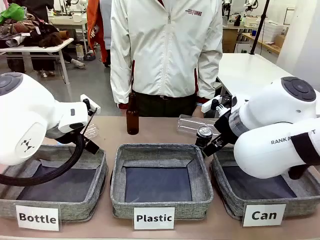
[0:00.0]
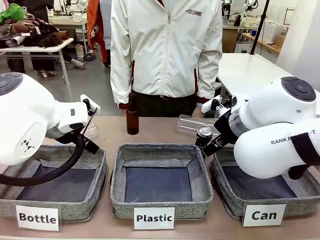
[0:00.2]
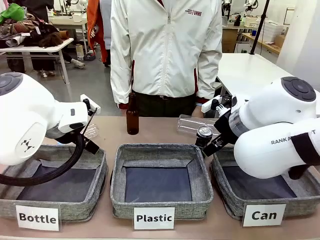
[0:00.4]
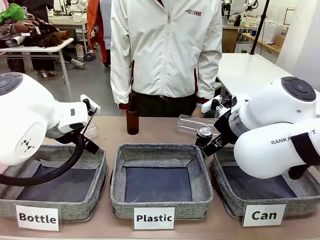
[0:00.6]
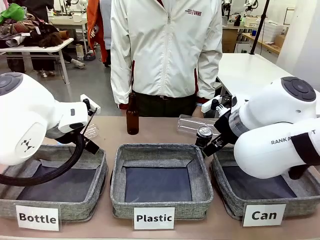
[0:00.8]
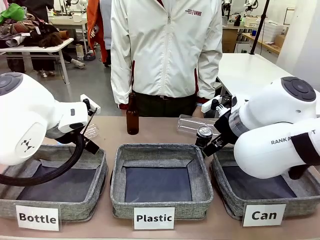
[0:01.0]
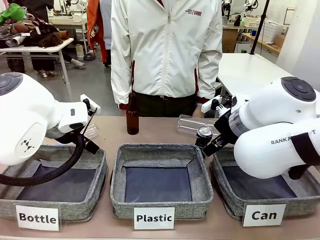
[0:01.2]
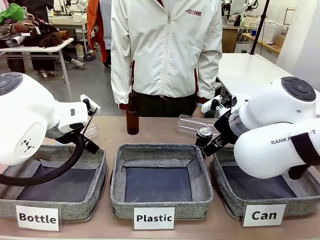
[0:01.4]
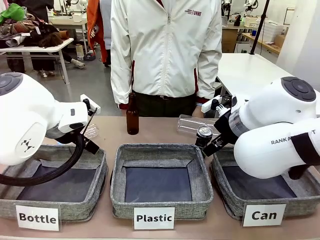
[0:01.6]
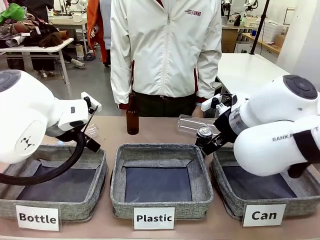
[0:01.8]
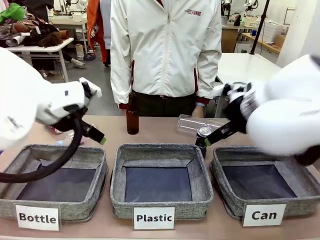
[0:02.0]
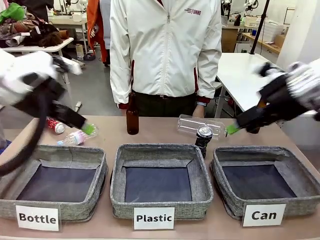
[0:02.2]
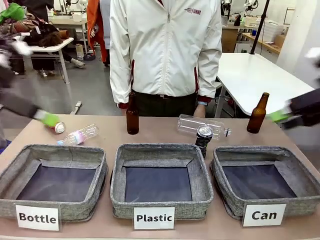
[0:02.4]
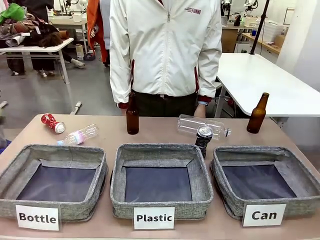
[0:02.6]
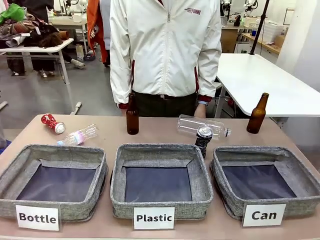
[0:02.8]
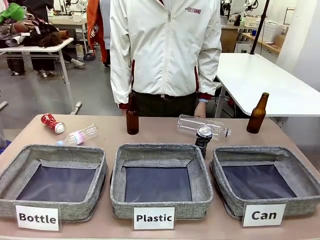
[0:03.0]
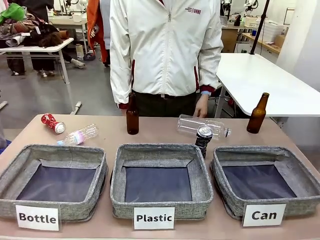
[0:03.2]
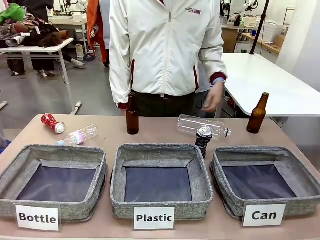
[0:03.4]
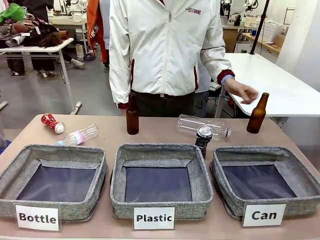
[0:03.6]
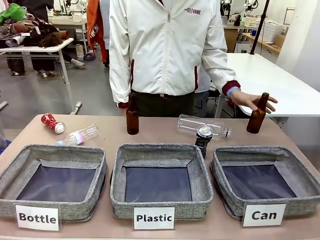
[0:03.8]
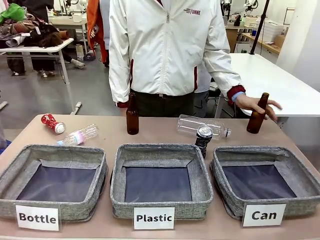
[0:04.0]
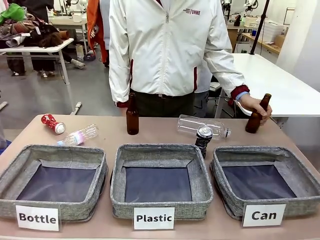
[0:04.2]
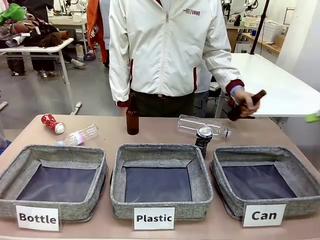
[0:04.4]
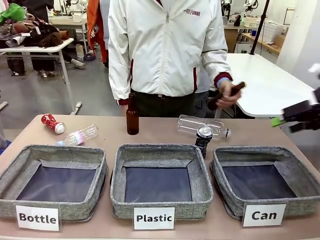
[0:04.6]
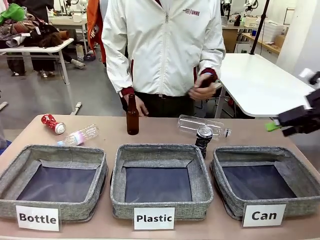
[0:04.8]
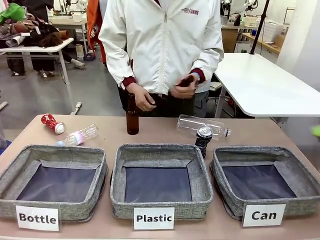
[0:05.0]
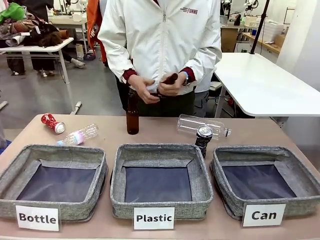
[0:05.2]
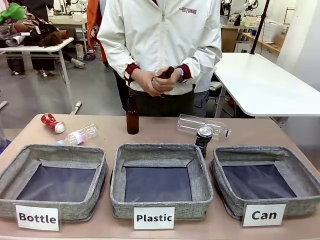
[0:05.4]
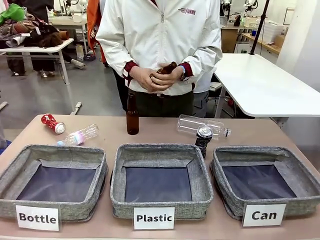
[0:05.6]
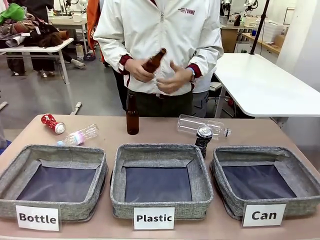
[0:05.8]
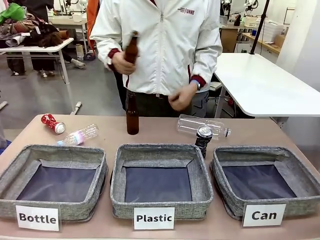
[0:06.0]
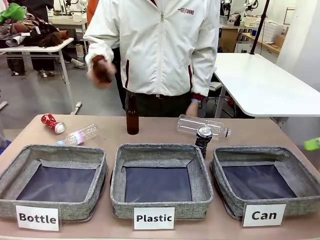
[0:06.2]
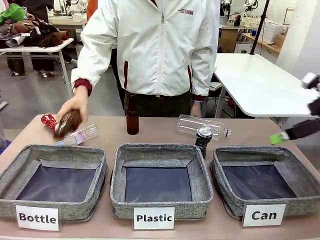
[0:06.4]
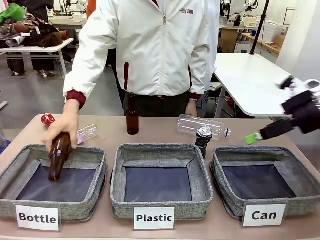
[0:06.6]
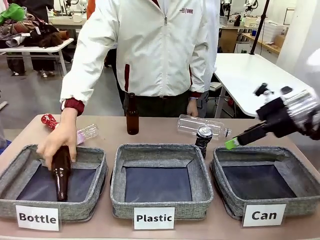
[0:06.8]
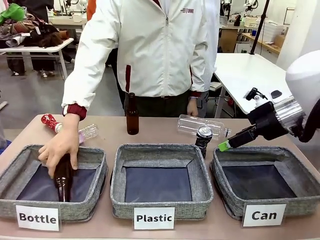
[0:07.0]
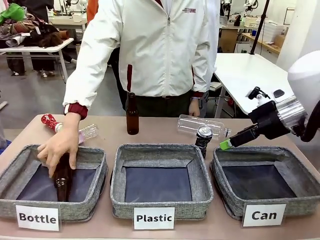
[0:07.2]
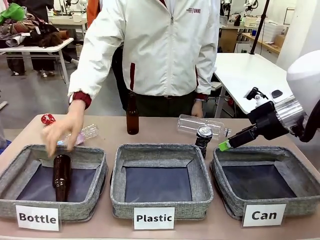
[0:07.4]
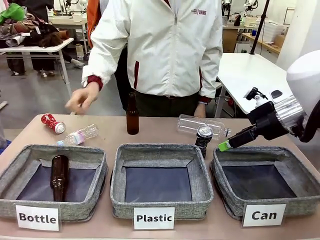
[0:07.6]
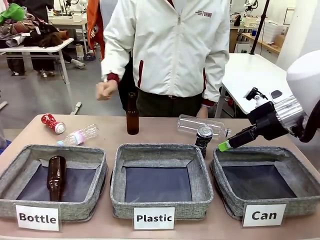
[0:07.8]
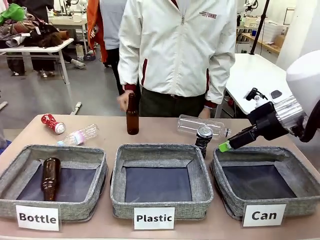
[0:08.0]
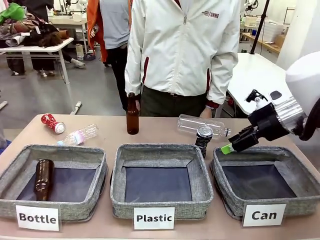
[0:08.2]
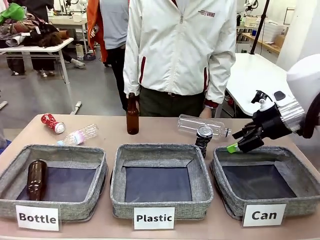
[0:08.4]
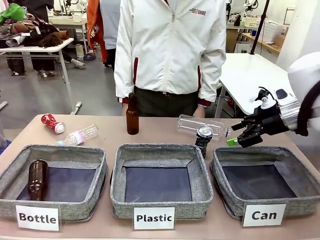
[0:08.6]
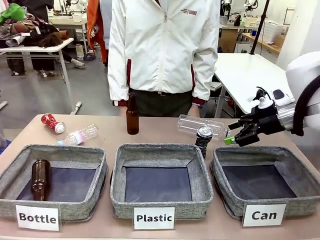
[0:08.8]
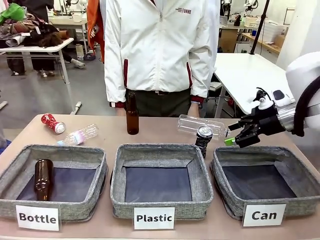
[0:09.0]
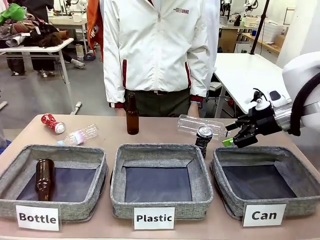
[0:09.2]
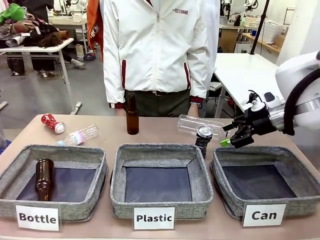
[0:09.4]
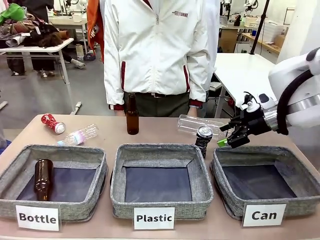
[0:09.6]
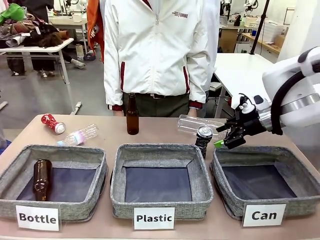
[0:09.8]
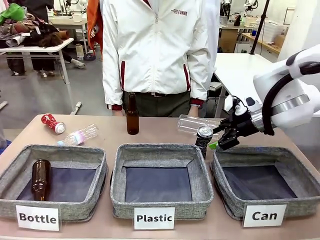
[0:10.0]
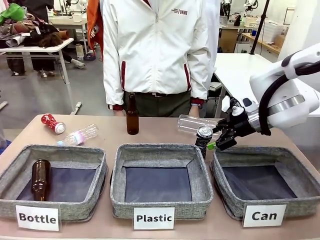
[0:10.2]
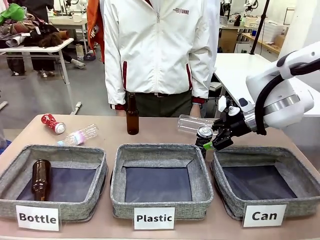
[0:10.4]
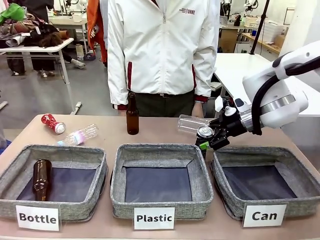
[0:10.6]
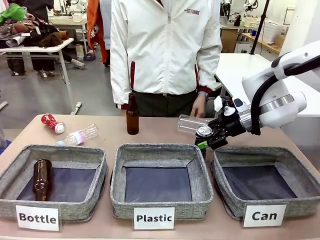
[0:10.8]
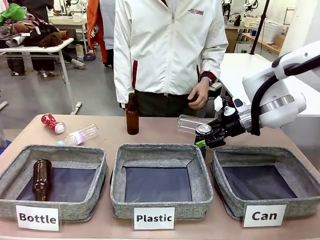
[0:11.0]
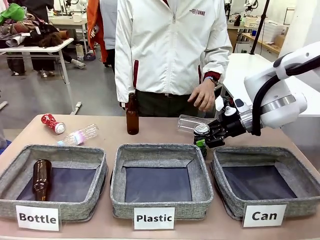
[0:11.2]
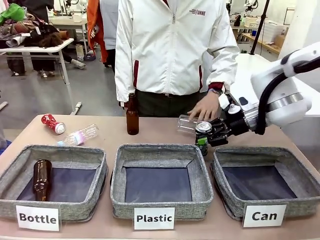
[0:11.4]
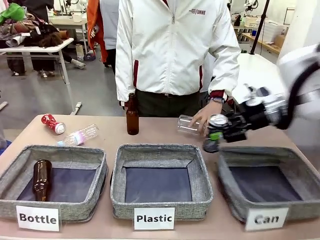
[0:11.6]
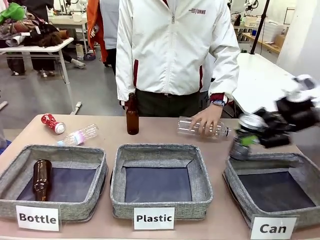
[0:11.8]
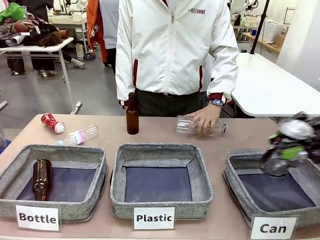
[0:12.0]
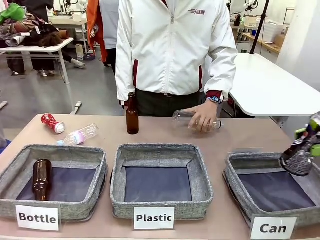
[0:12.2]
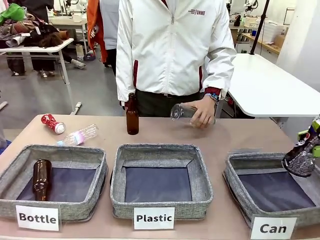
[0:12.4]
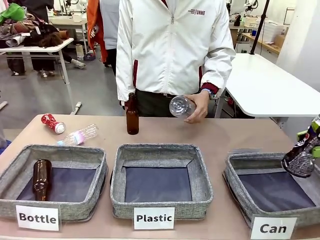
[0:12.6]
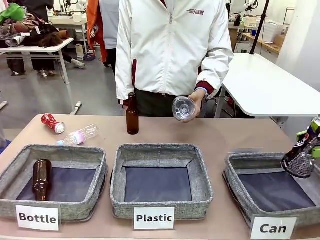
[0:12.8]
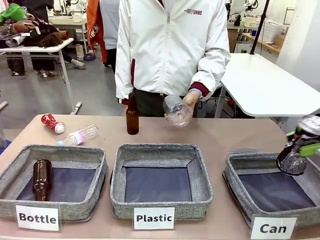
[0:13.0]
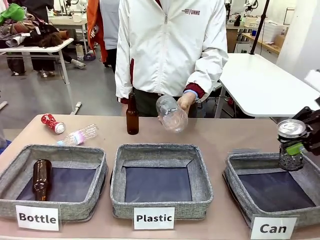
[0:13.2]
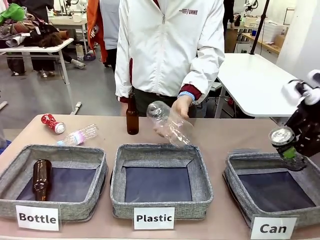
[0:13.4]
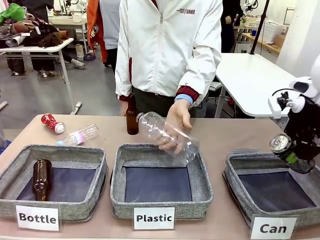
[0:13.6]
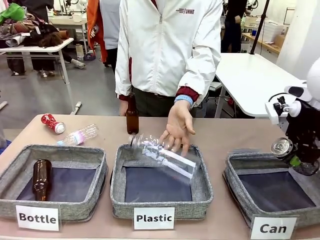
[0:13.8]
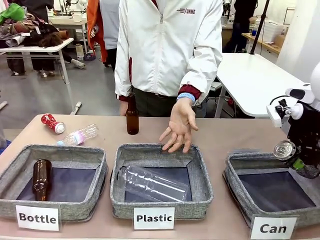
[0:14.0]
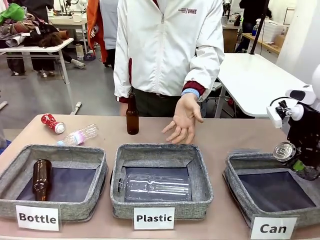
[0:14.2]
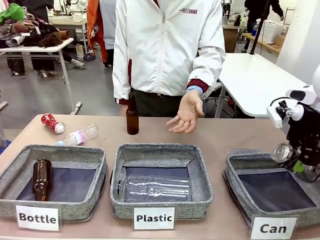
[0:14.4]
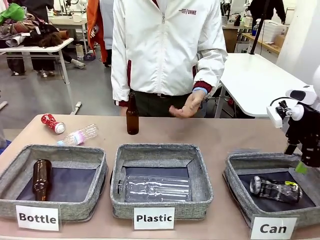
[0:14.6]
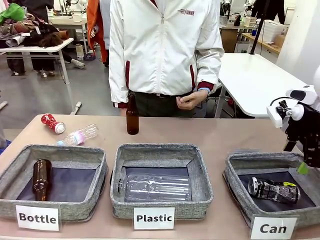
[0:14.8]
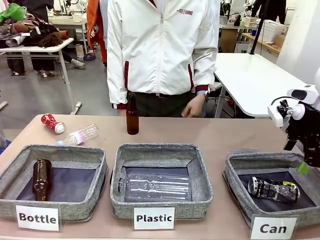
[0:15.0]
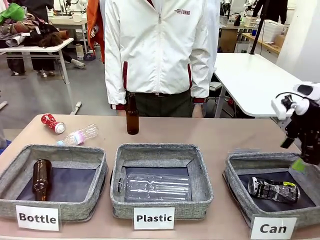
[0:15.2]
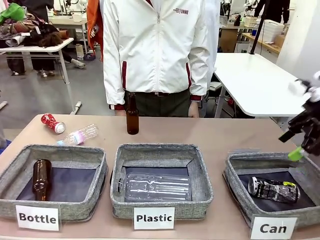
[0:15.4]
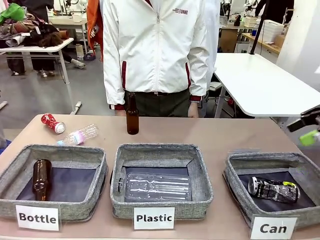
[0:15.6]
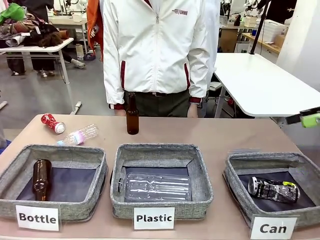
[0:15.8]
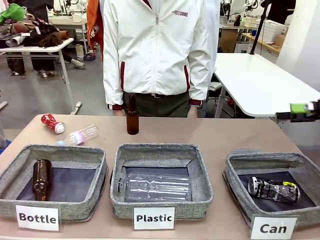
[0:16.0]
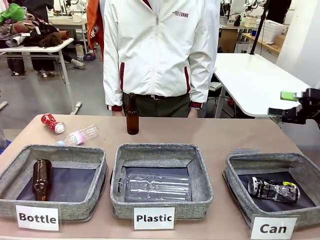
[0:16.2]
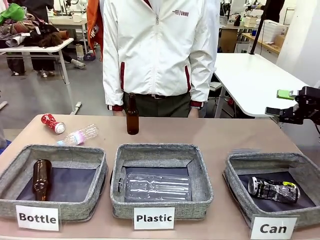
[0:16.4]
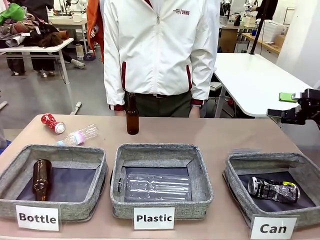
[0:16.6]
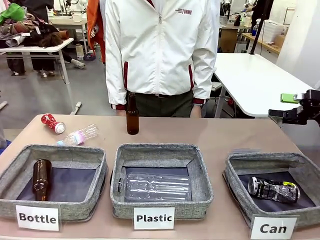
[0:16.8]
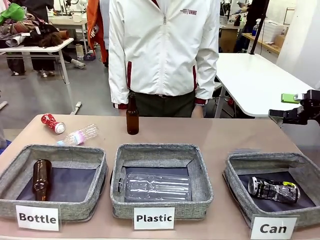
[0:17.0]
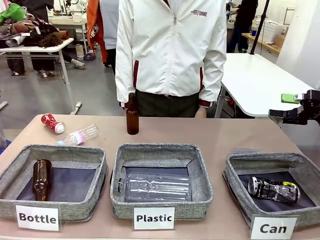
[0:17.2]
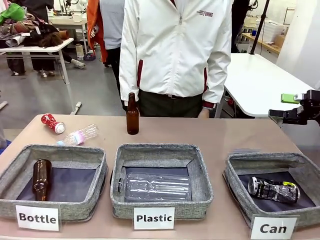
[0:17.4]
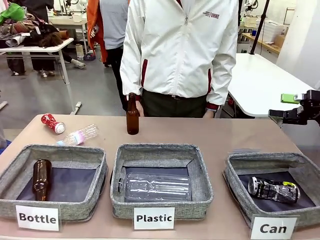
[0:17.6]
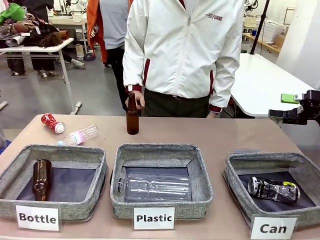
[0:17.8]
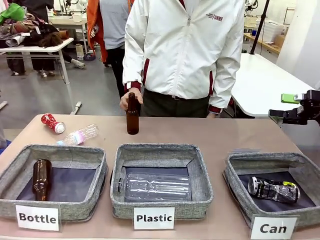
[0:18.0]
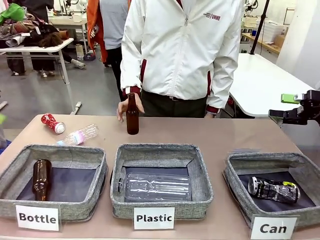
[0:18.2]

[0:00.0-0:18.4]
Task: Sort the can waste into the basket.
Robot: Pick up the can waste from the table and place it in the right Fabric basket.
